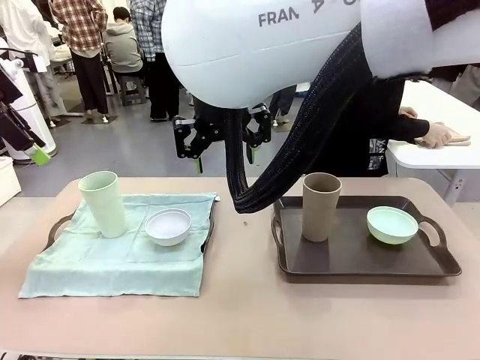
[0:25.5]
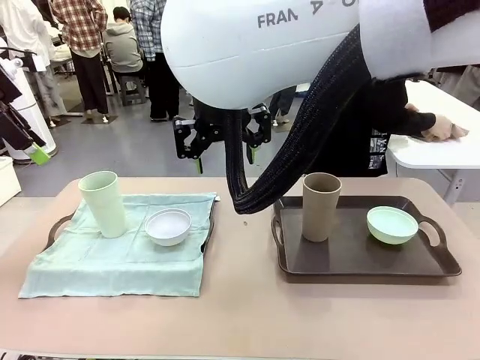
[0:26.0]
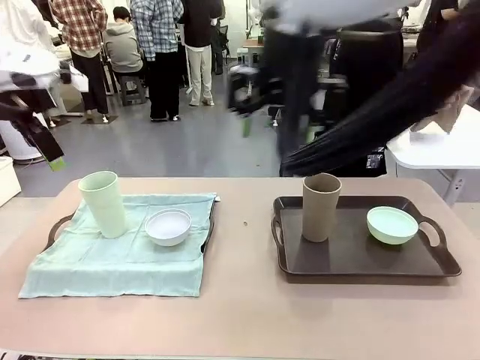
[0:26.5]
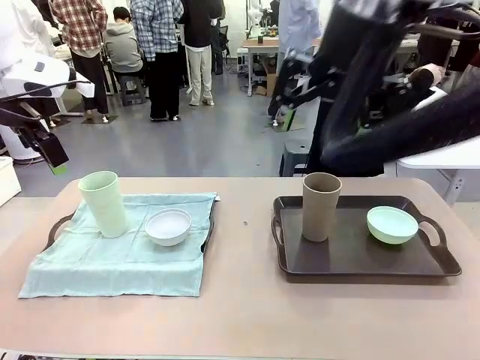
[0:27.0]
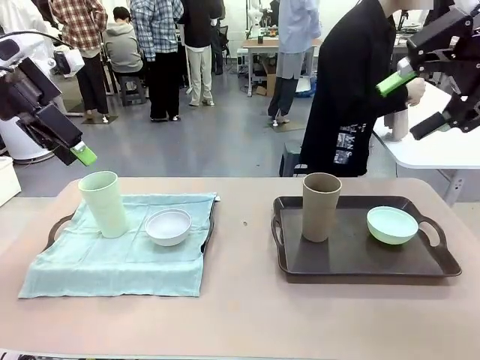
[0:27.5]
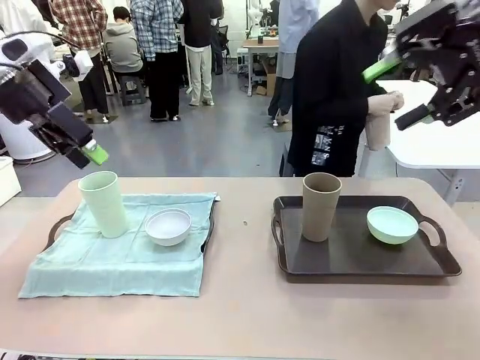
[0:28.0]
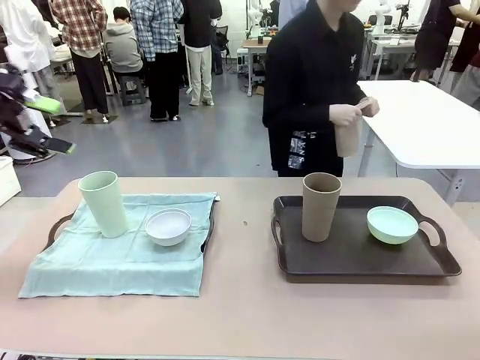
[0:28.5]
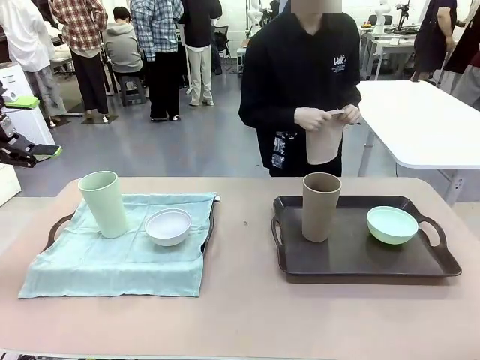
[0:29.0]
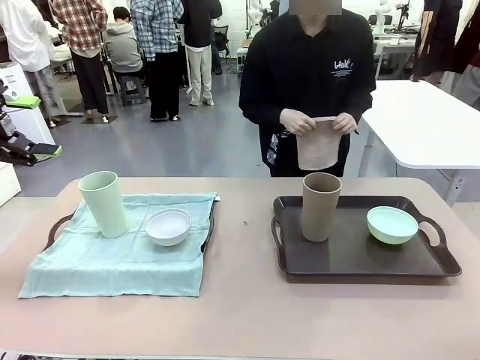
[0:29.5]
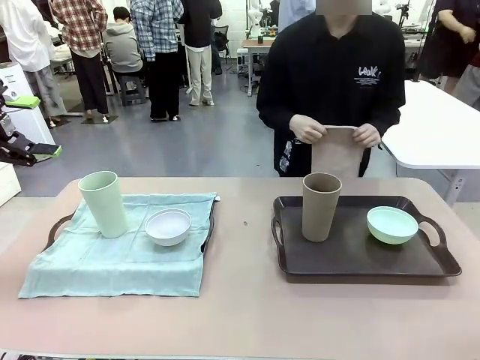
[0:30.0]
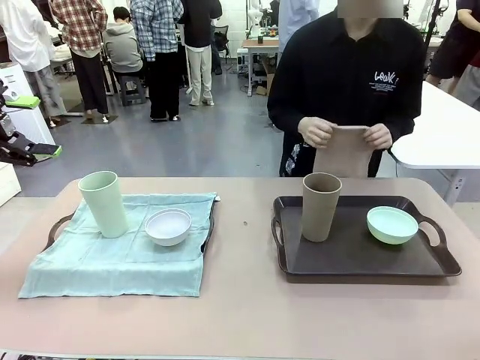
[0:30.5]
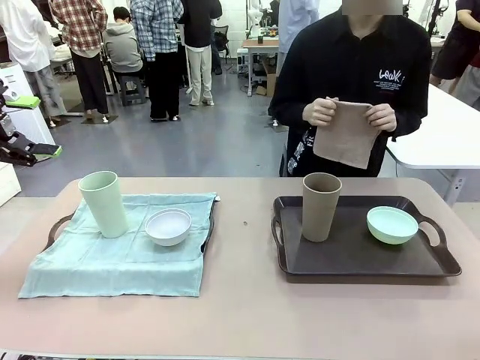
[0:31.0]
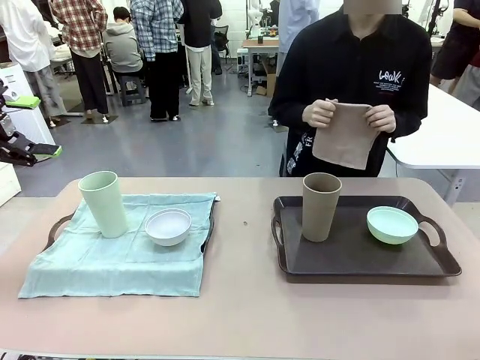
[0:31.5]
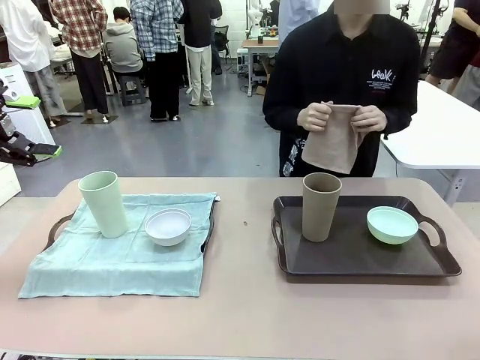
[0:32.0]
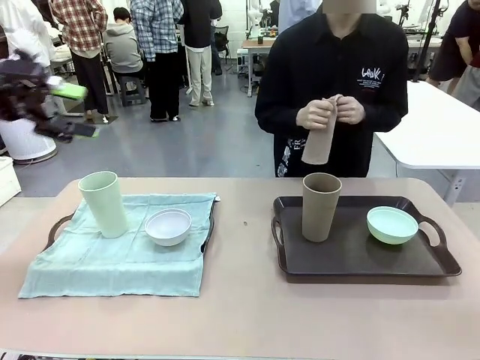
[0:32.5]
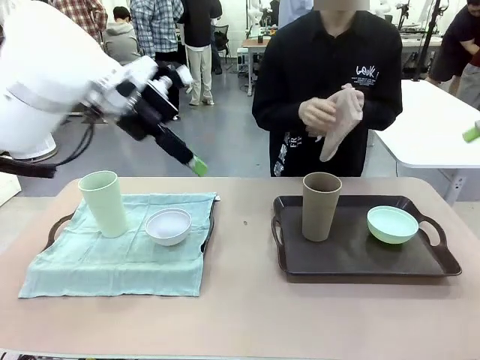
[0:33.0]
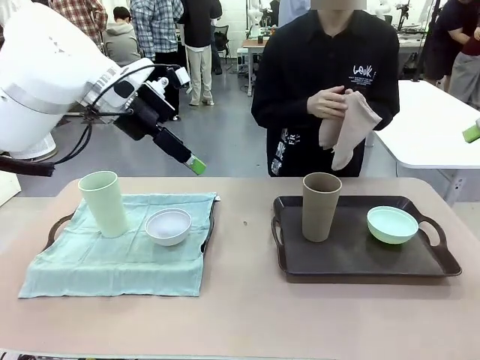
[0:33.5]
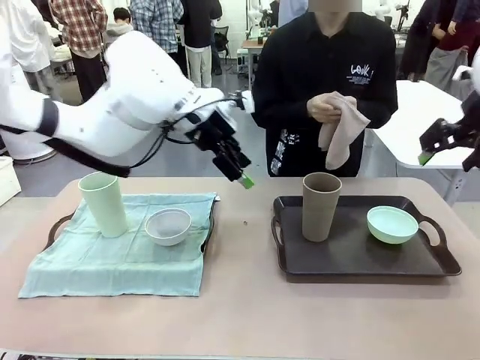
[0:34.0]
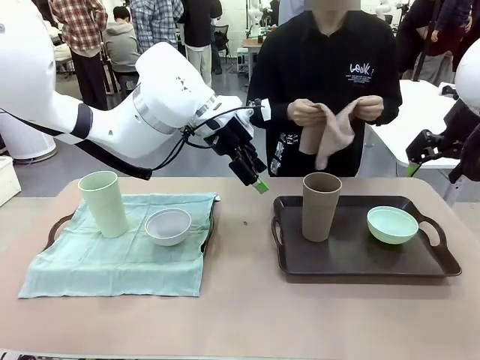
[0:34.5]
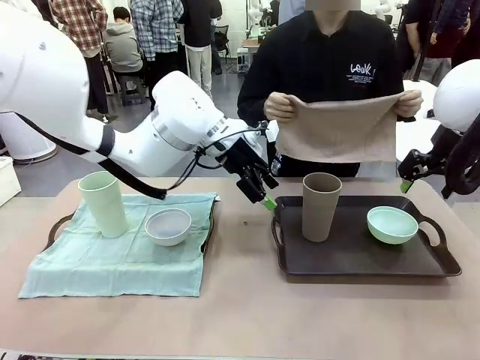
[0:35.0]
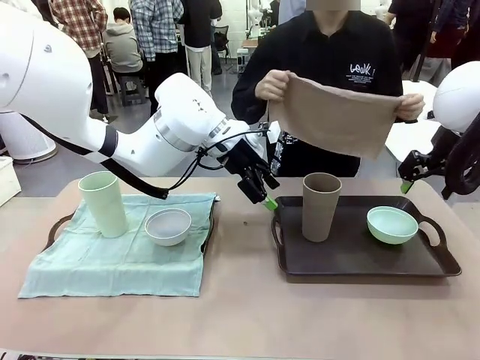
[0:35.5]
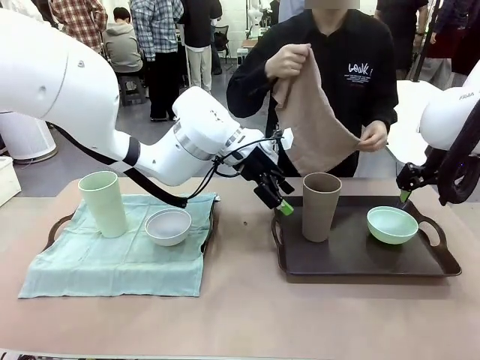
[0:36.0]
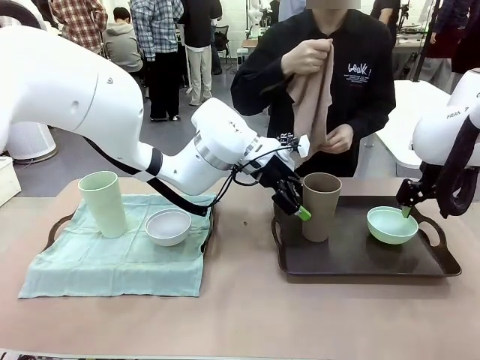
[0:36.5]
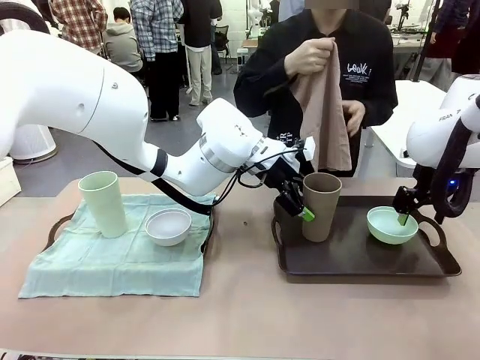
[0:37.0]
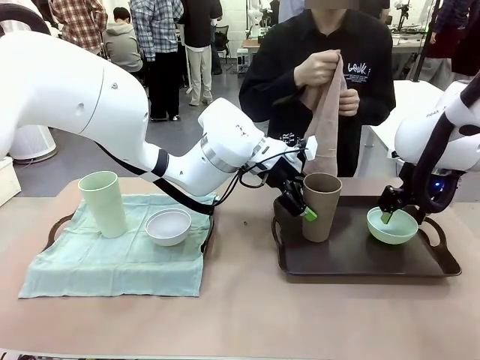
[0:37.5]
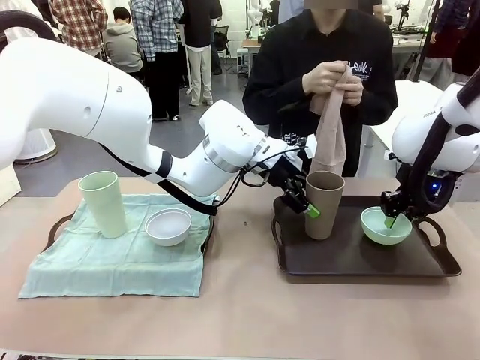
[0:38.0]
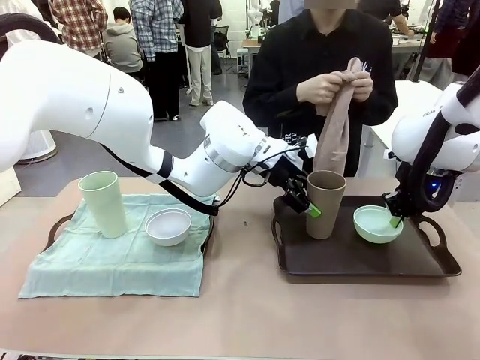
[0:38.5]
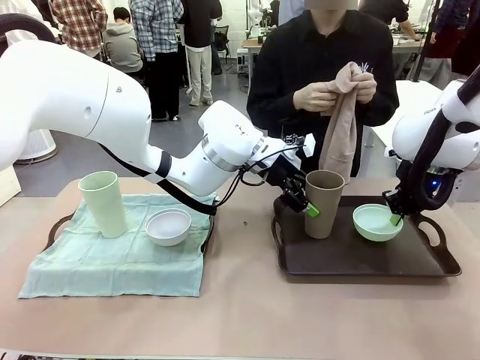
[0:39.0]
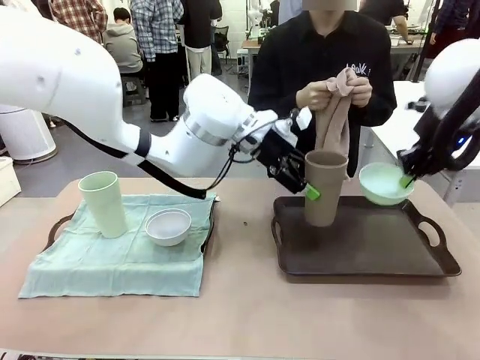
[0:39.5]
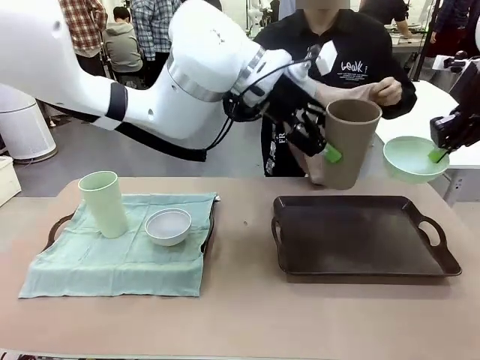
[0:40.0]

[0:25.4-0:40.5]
Robot: Pick up the Picnic Bowl and Reusable plastic cup from the Handle tray in front of the human's position and hold them in the air.
Person: The human returns to the human table to pick up another napkin and walks to the robot table to stand in front of the tray without a napkin.

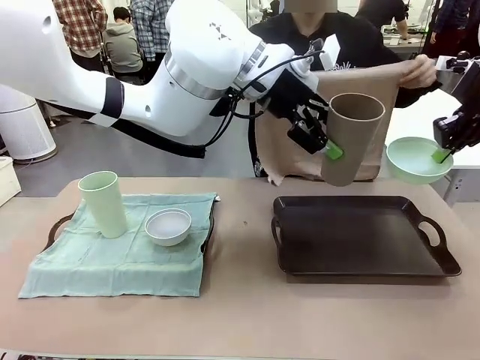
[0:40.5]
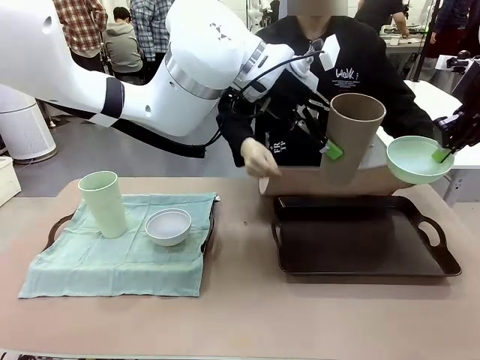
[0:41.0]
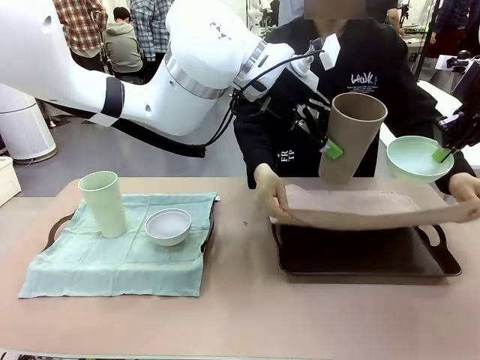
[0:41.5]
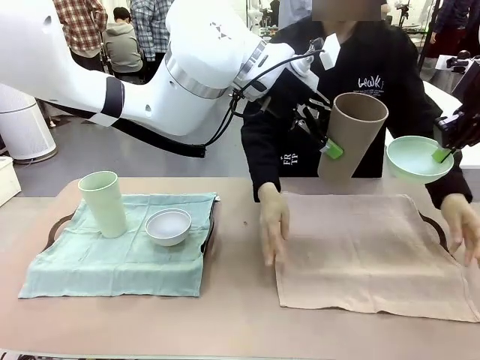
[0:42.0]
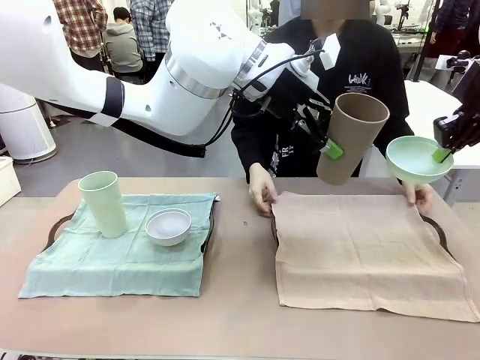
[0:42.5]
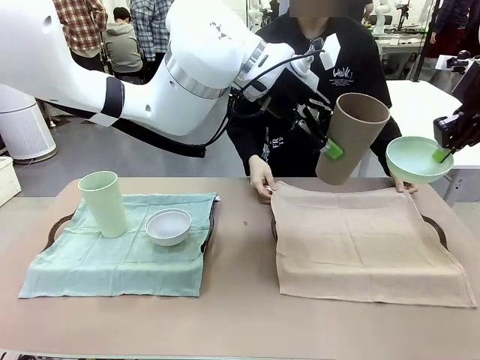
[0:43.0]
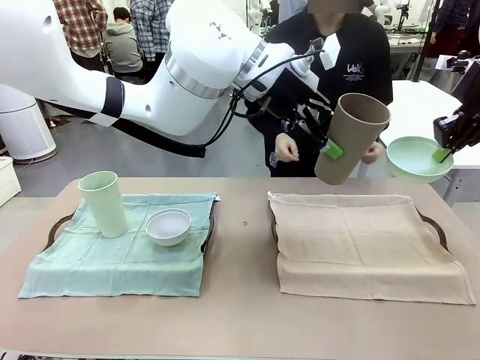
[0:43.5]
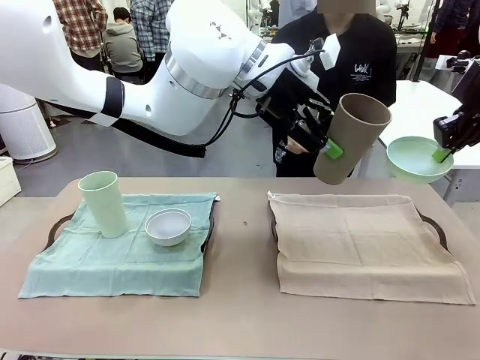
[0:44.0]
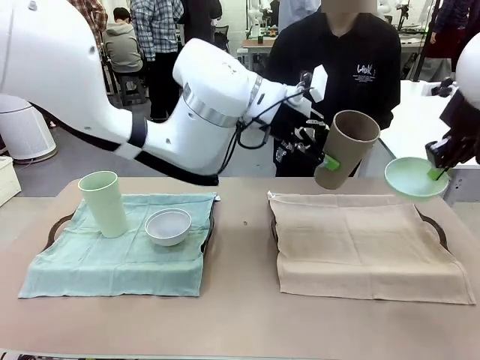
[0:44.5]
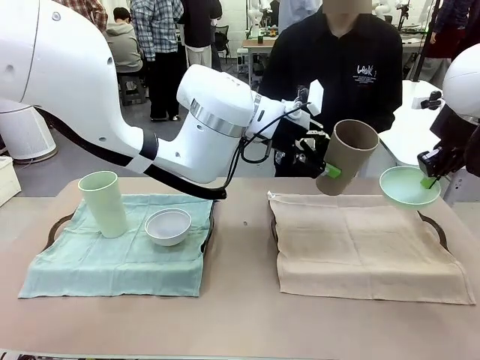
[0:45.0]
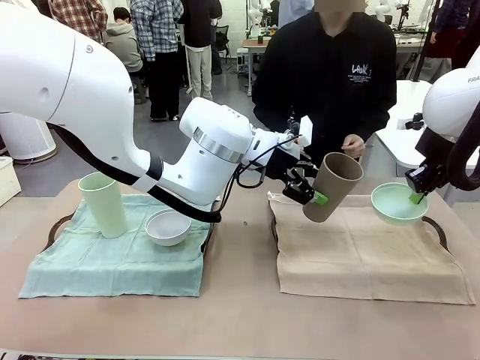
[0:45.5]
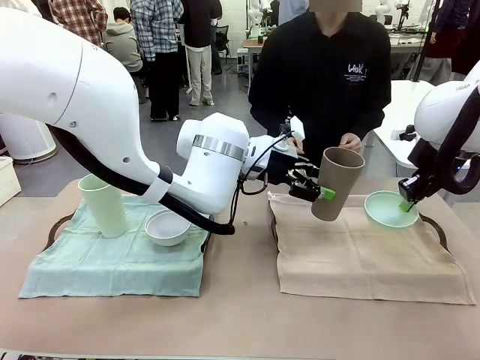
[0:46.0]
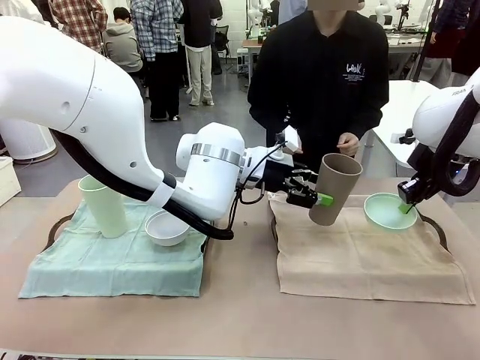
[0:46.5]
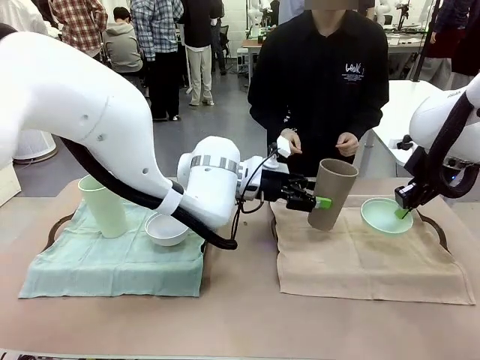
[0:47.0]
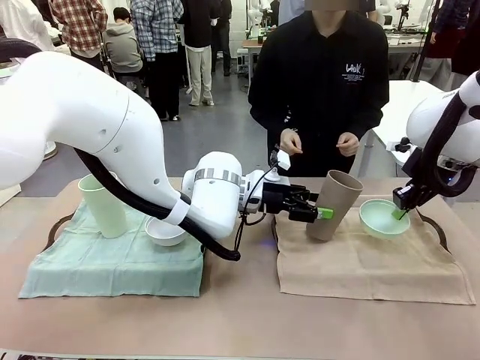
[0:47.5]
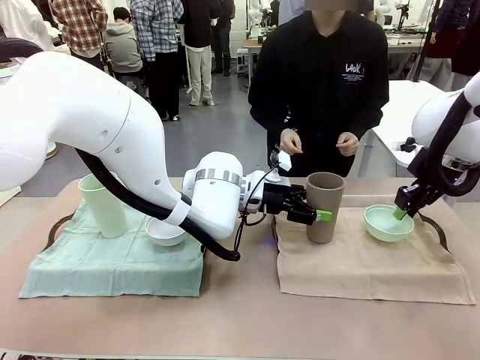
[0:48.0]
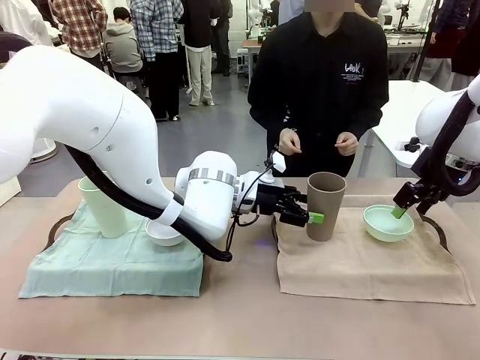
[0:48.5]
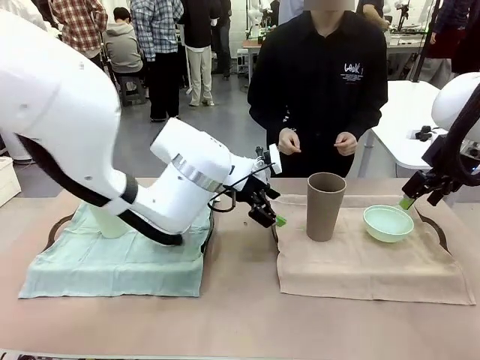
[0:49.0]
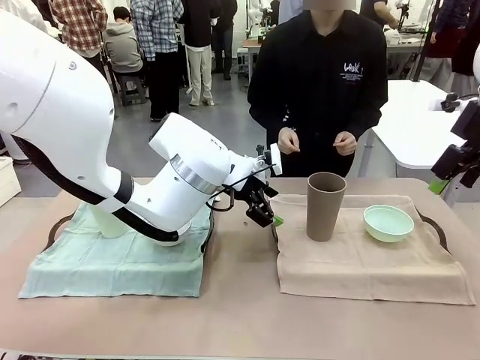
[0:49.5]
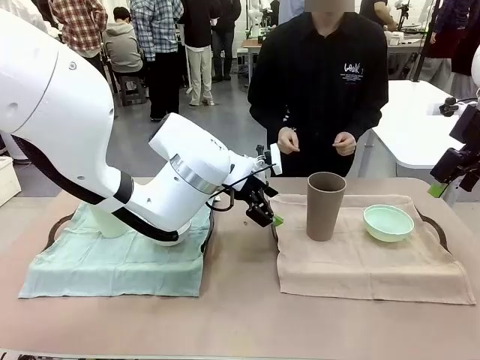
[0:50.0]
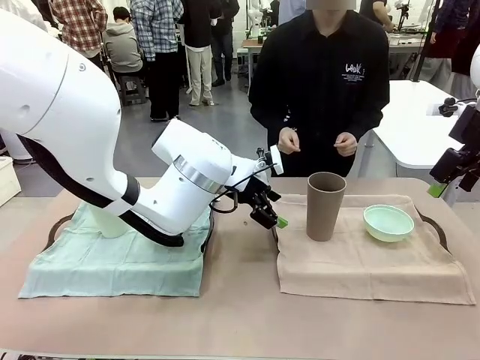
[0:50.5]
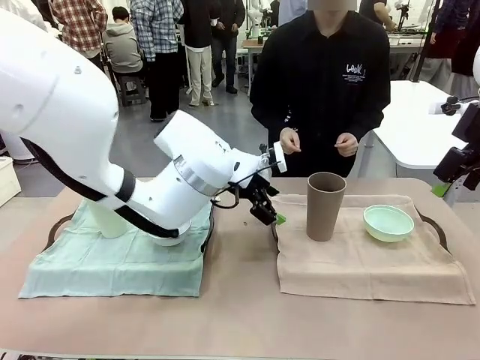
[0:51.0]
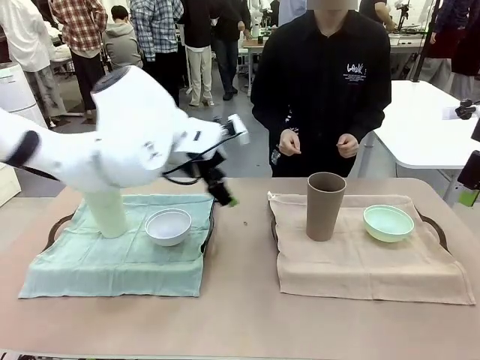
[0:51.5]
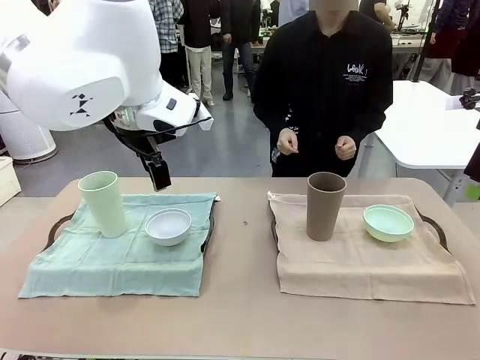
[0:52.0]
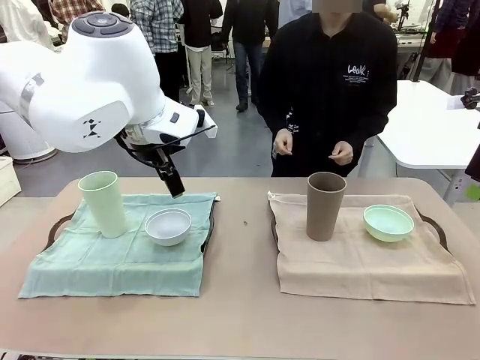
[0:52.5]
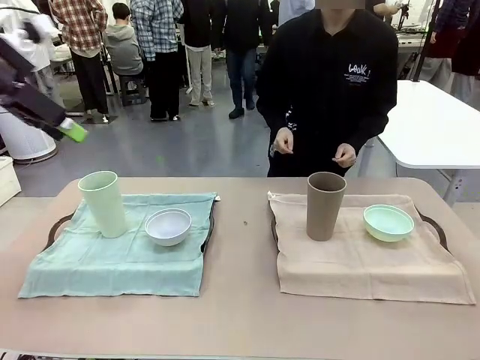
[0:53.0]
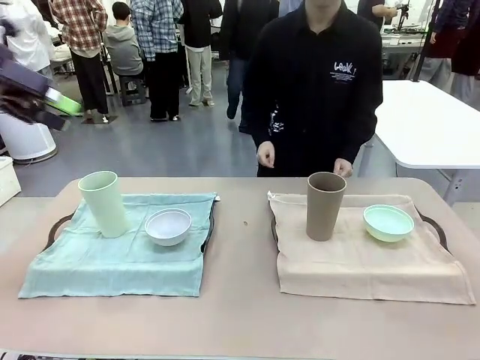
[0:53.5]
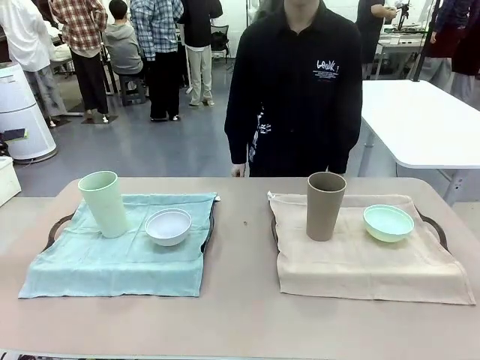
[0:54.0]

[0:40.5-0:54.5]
Robot: Place the Picnic Bowl and Reusable plastic cup back onto the Handle tray in front of the human's position.
Person: When the robot lifts the bowl and the cup, the human unfolds the napkin and lays the napkin flat on the tray.
